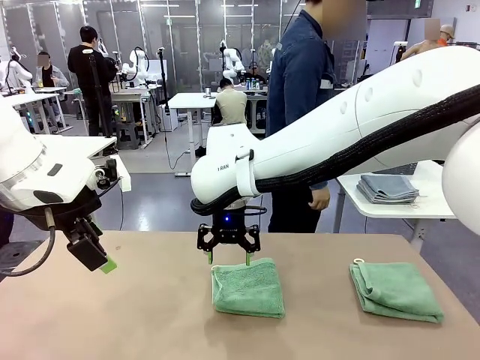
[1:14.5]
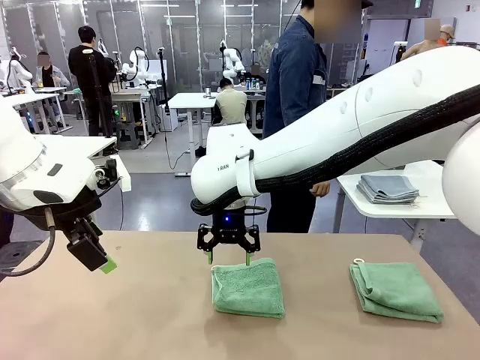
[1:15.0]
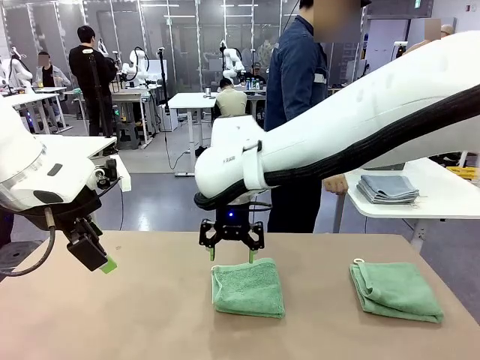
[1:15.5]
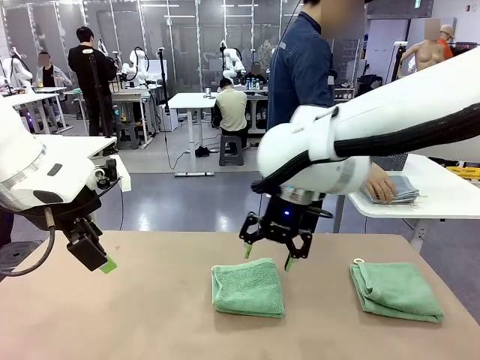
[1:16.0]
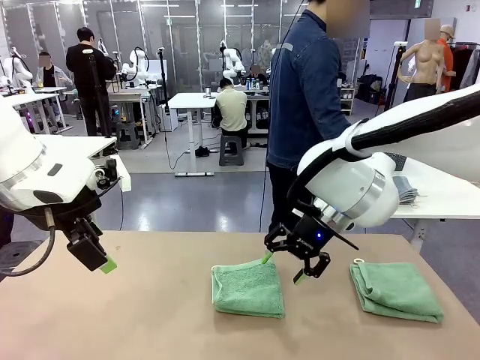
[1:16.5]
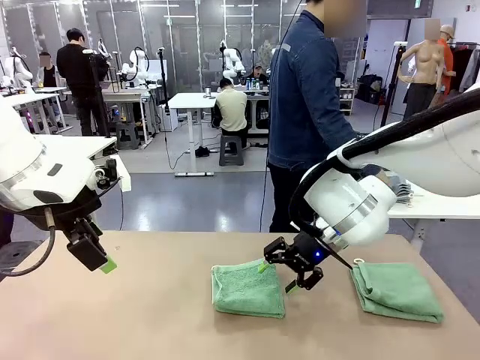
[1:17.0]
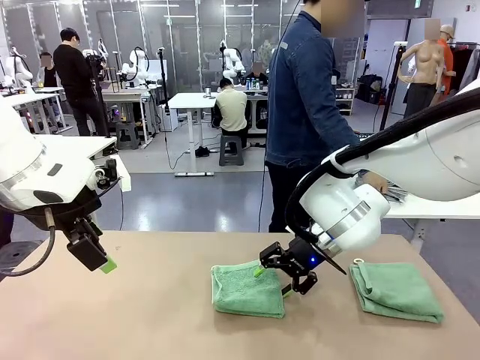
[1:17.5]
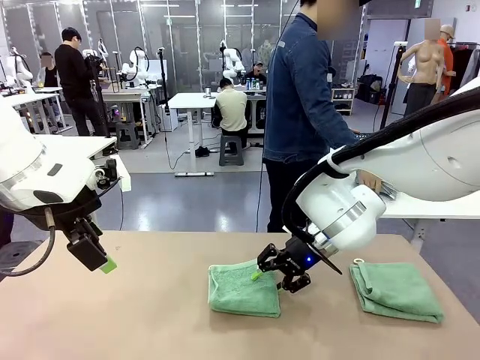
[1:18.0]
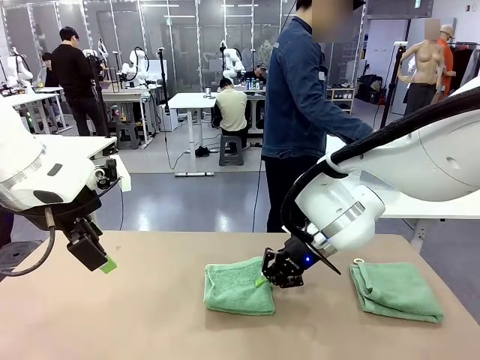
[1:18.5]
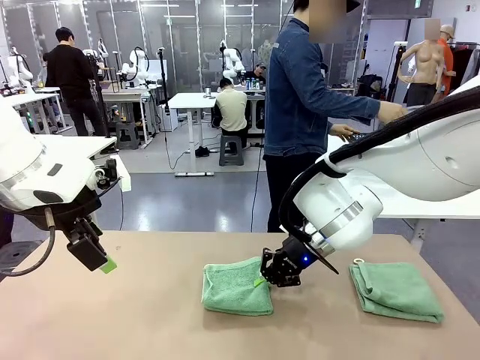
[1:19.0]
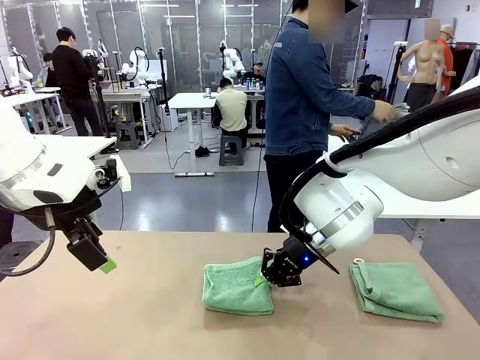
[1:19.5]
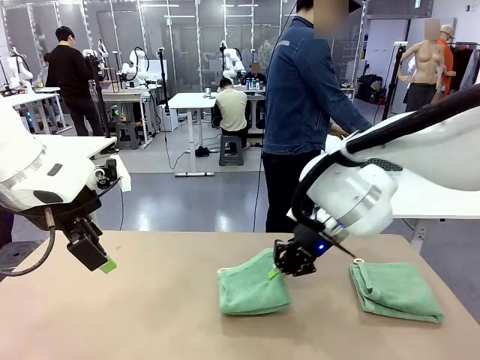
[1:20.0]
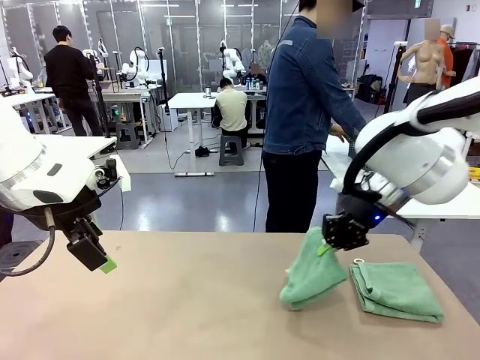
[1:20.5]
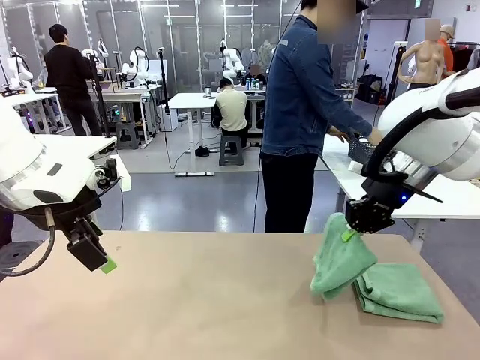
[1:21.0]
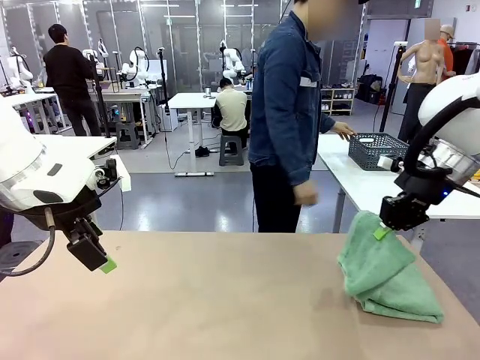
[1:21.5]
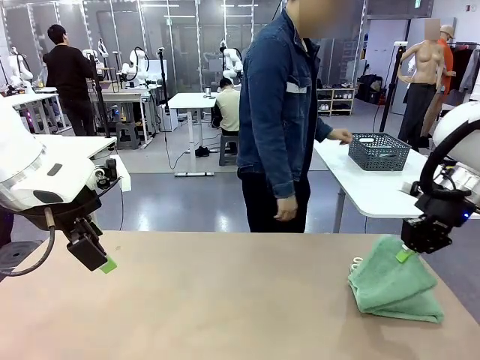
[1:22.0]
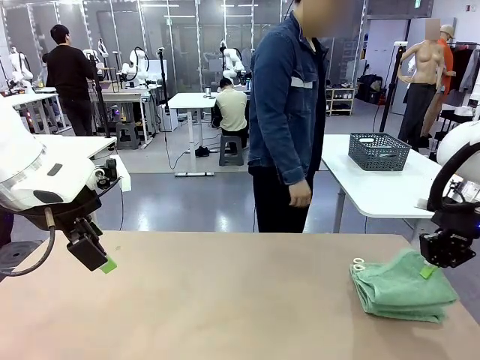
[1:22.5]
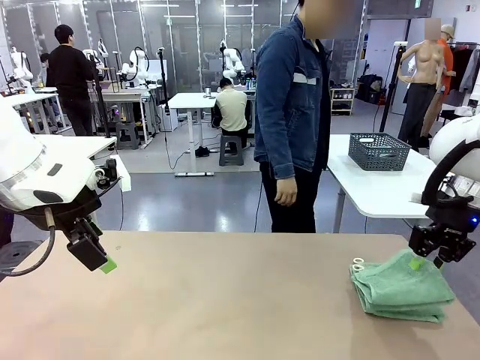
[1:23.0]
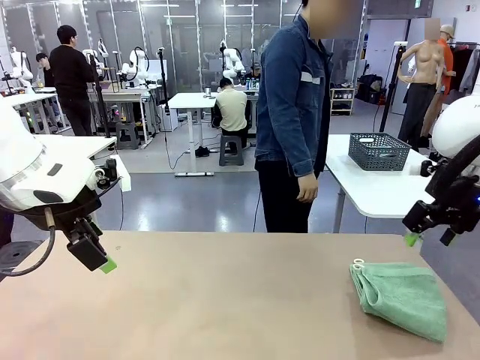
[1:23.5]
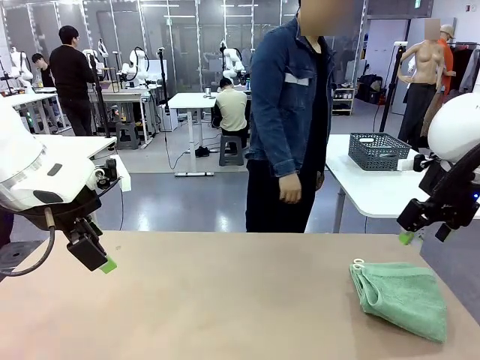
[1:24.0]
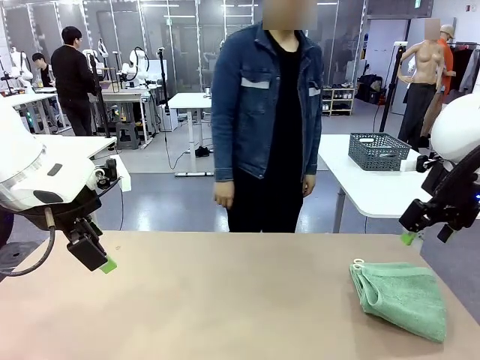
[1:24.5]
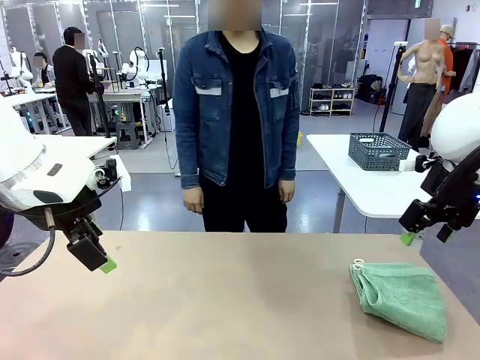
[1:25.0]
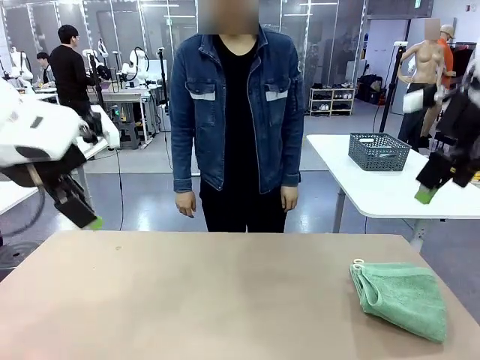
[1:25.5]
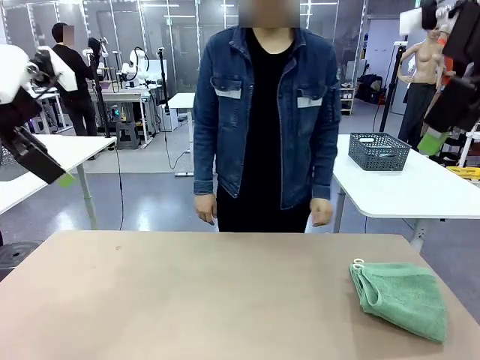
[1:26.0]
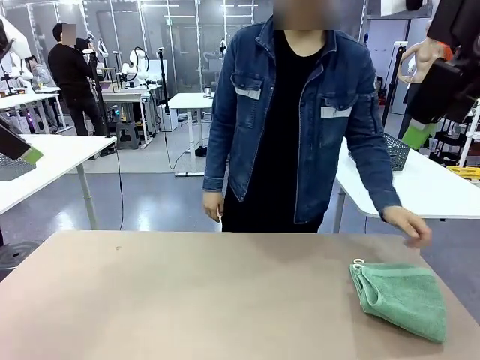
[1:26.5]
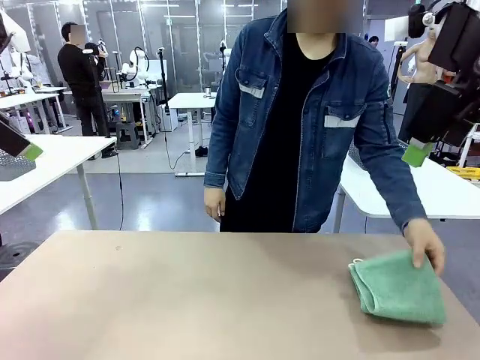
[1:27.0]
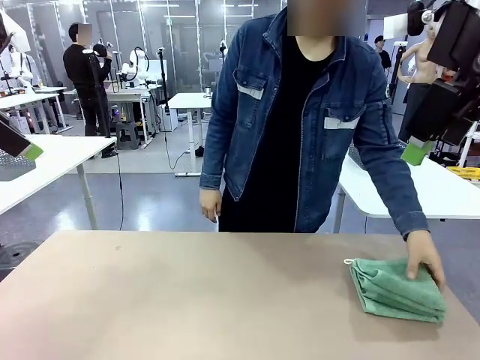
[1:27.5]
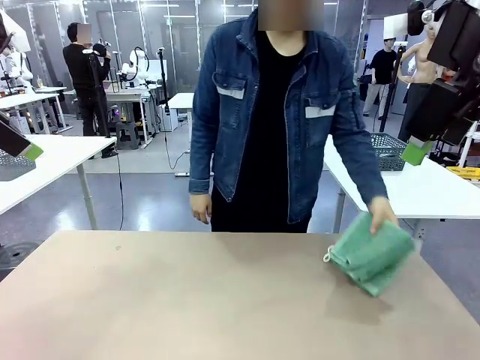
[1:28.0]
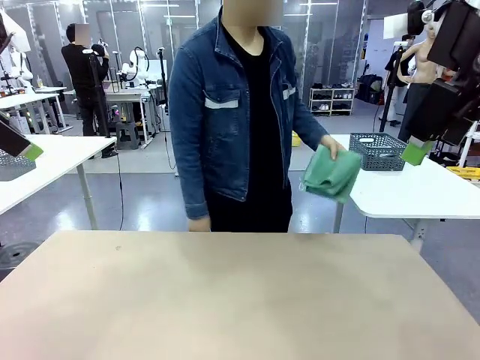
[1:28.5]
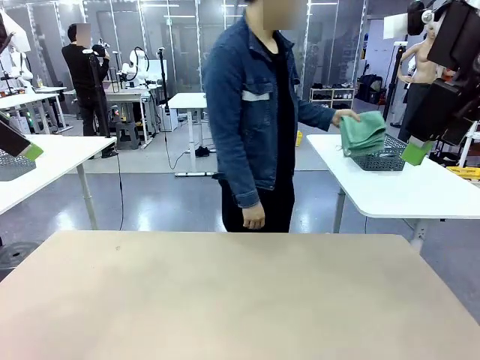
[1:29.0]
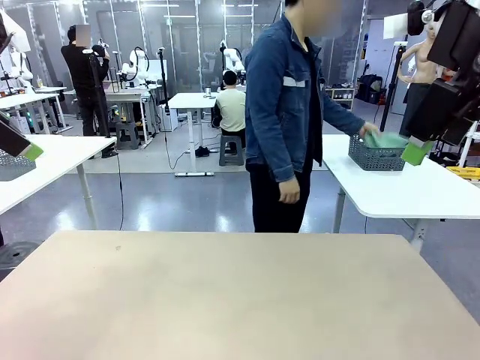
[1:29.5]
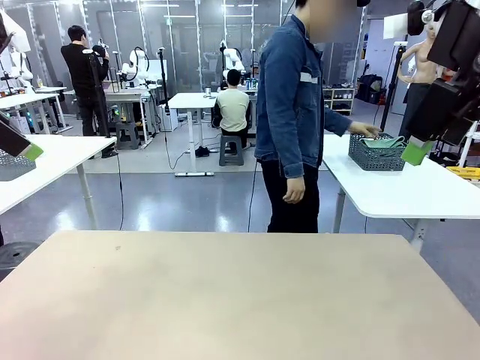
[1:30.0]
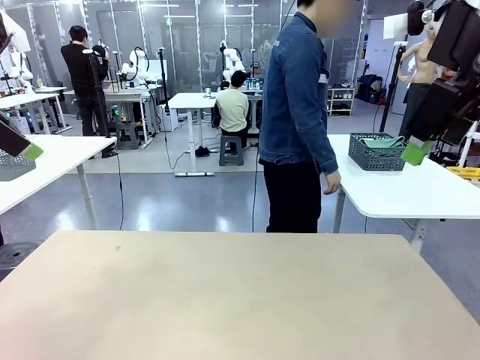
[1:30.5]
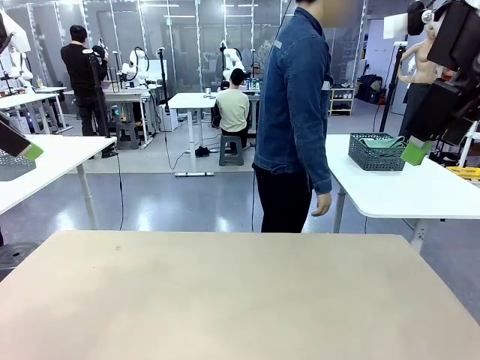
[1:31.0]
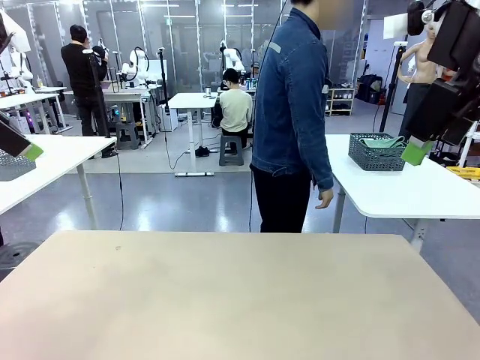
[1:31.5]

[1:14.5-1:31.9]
Task: Fold the towels and place them in the basket.
Robot: Stack the folded Towel with hook on the right side of the table.
Person: Pick up the stack of towels from the right side of the human table, place it into the basket, and put the basket at the center of the table. Pick up the stack of towels from the robot table and place it into the basket.
